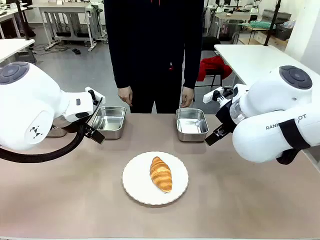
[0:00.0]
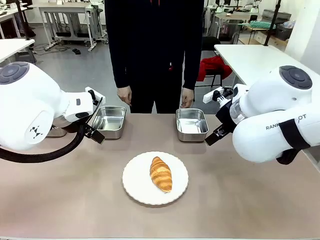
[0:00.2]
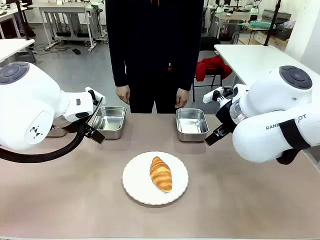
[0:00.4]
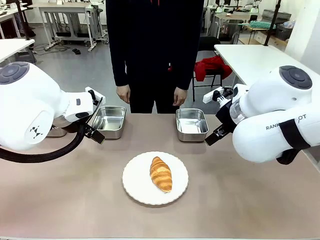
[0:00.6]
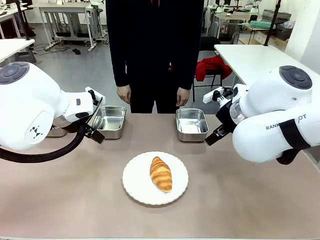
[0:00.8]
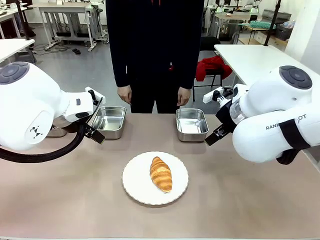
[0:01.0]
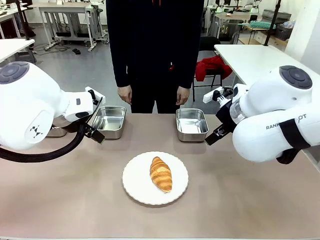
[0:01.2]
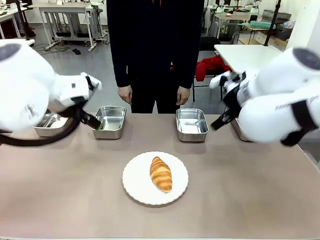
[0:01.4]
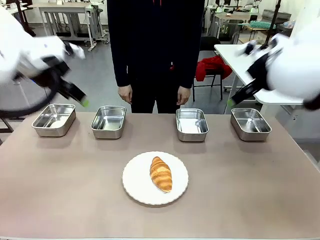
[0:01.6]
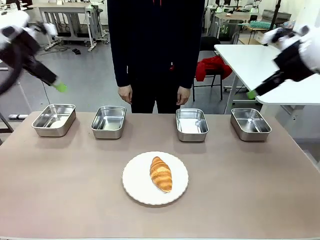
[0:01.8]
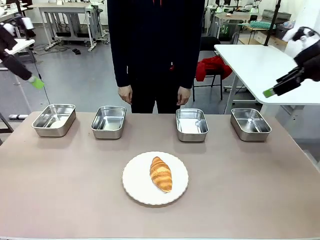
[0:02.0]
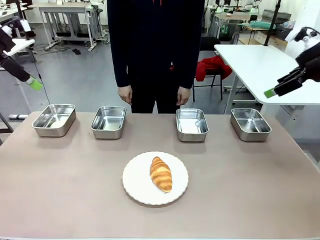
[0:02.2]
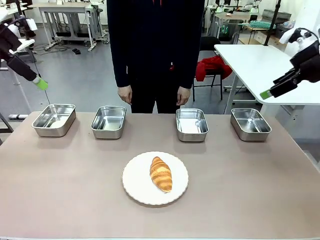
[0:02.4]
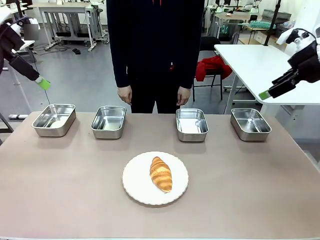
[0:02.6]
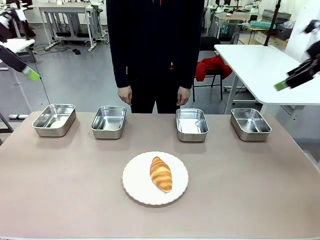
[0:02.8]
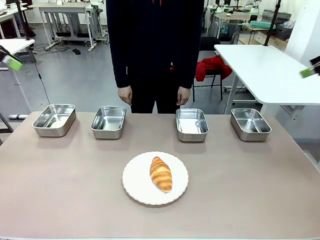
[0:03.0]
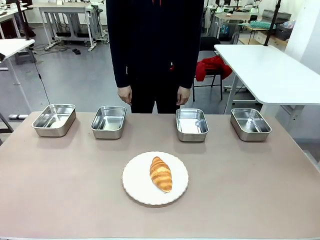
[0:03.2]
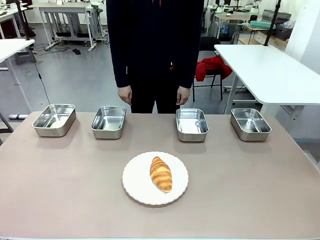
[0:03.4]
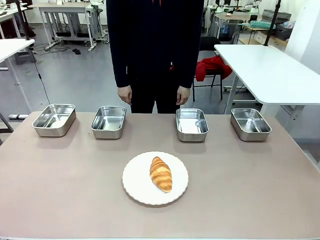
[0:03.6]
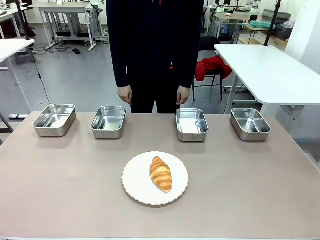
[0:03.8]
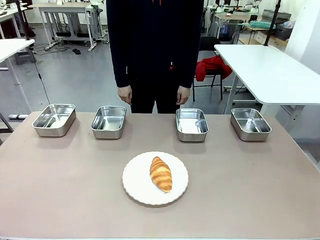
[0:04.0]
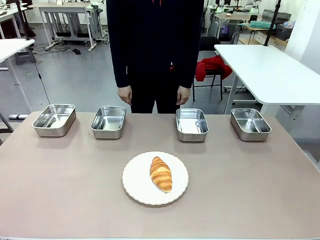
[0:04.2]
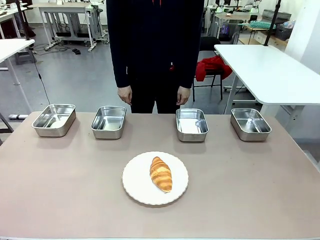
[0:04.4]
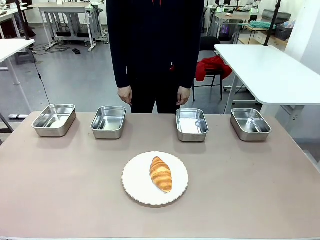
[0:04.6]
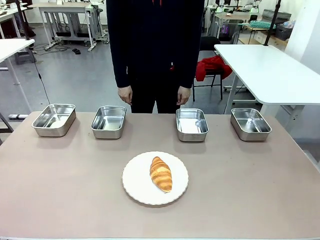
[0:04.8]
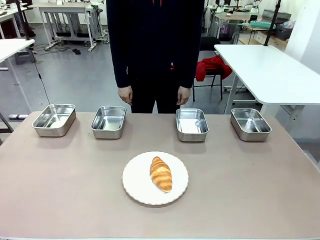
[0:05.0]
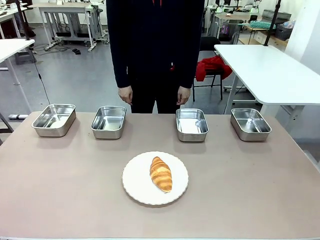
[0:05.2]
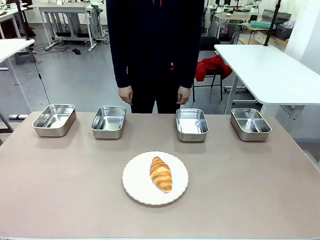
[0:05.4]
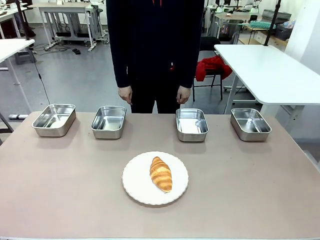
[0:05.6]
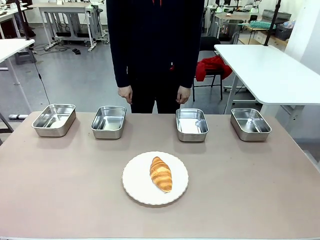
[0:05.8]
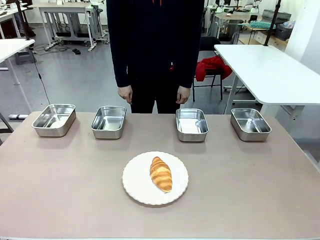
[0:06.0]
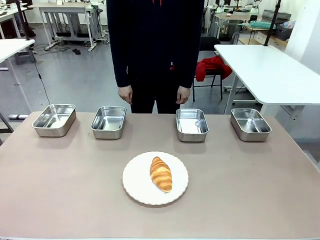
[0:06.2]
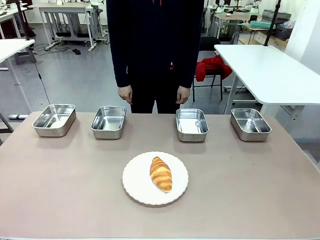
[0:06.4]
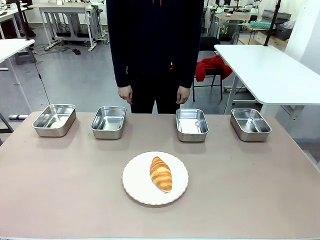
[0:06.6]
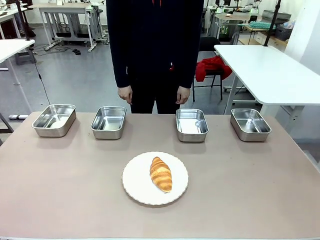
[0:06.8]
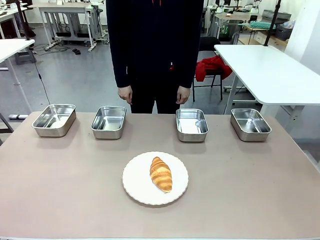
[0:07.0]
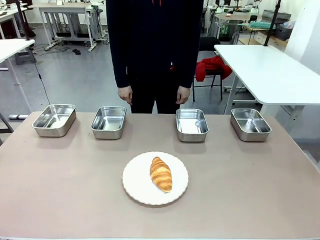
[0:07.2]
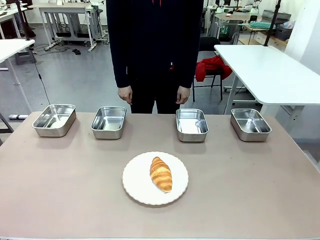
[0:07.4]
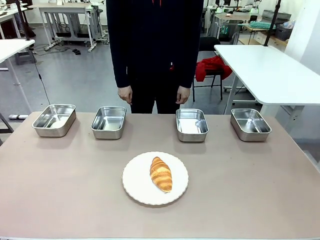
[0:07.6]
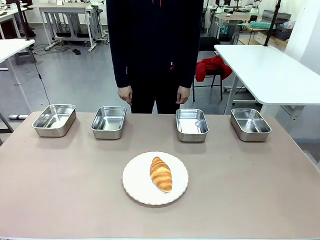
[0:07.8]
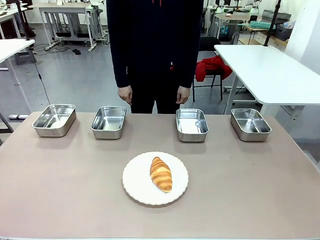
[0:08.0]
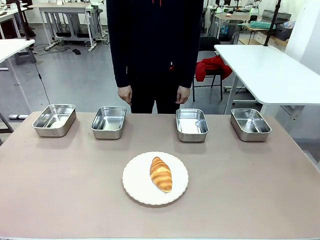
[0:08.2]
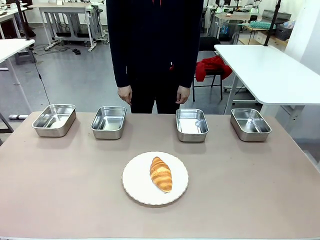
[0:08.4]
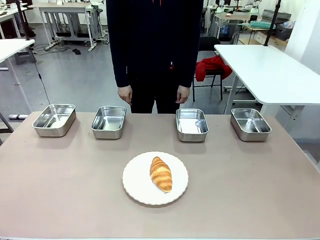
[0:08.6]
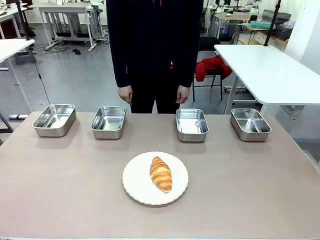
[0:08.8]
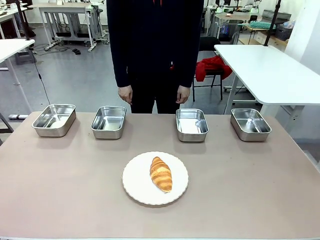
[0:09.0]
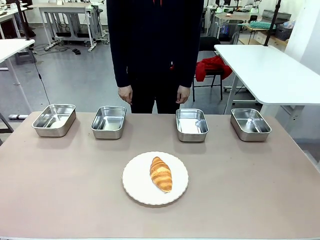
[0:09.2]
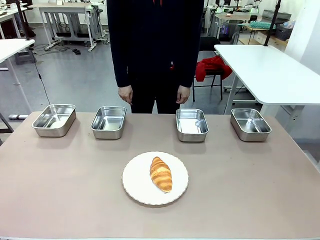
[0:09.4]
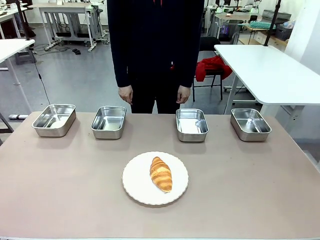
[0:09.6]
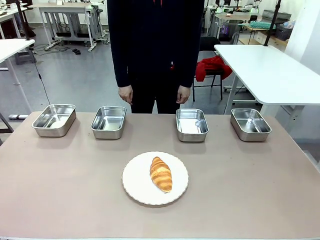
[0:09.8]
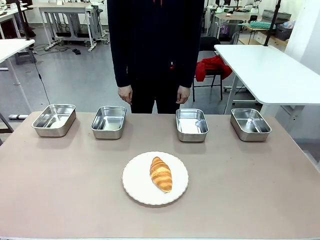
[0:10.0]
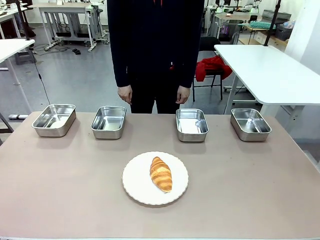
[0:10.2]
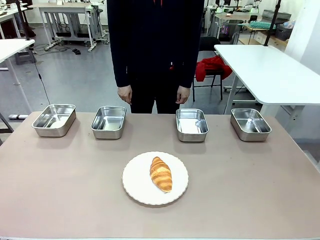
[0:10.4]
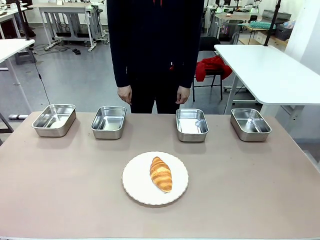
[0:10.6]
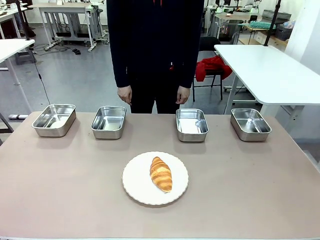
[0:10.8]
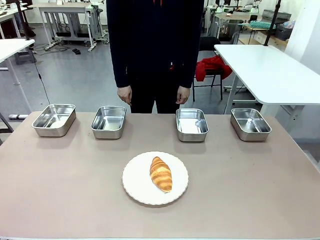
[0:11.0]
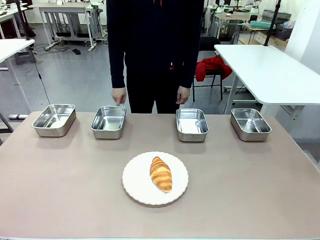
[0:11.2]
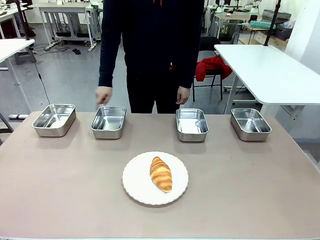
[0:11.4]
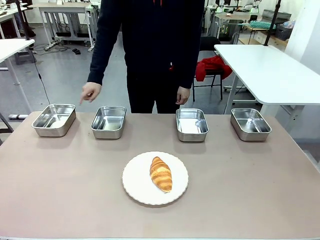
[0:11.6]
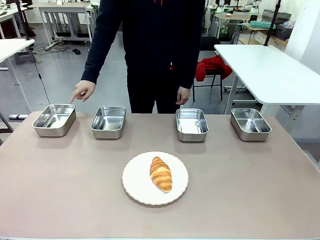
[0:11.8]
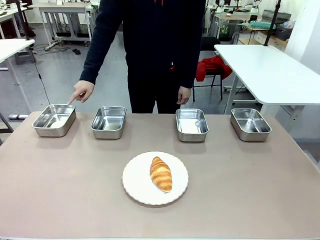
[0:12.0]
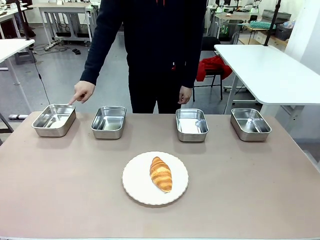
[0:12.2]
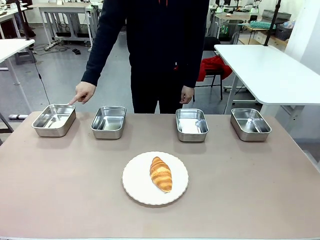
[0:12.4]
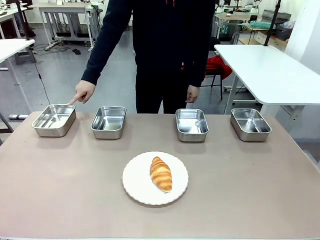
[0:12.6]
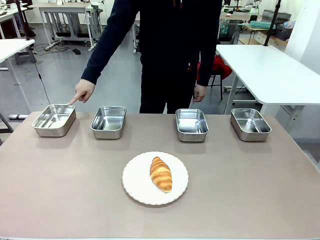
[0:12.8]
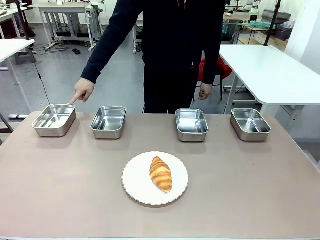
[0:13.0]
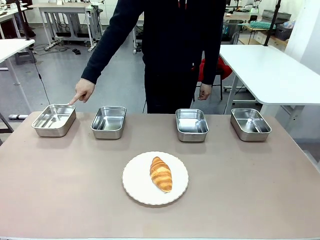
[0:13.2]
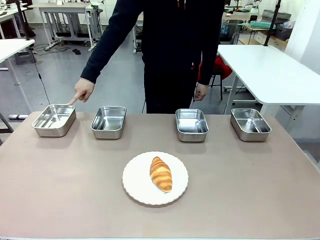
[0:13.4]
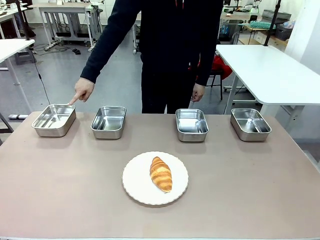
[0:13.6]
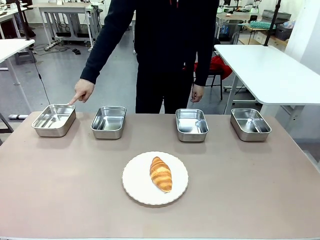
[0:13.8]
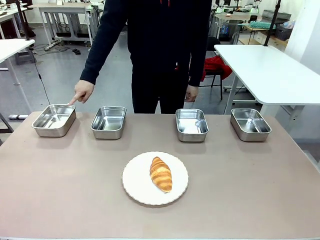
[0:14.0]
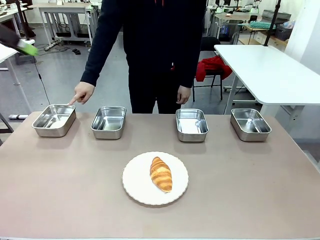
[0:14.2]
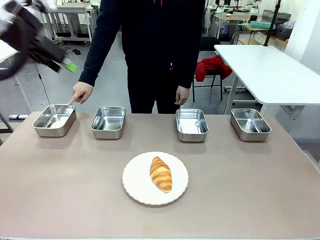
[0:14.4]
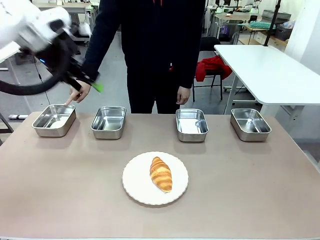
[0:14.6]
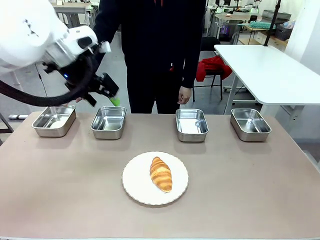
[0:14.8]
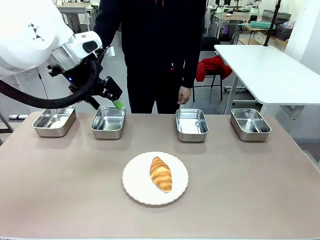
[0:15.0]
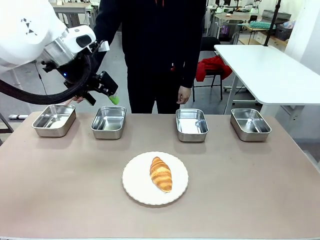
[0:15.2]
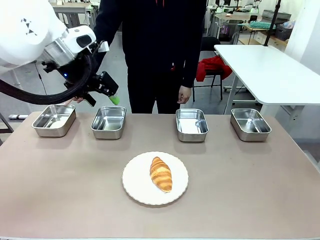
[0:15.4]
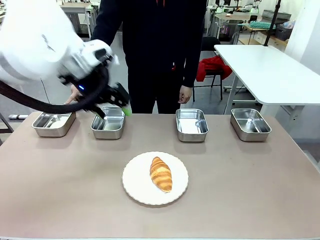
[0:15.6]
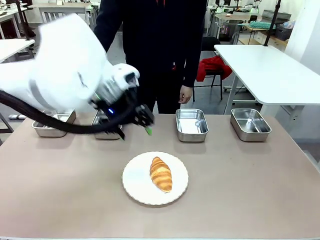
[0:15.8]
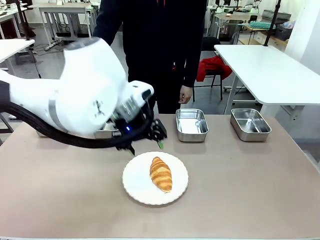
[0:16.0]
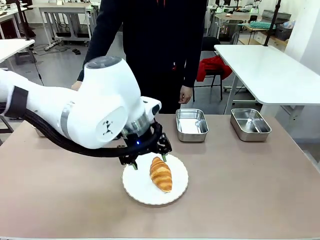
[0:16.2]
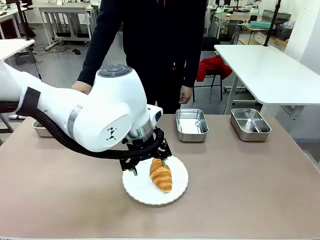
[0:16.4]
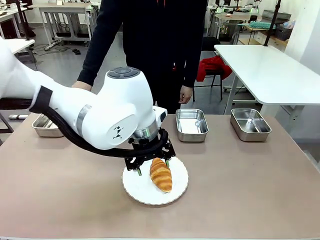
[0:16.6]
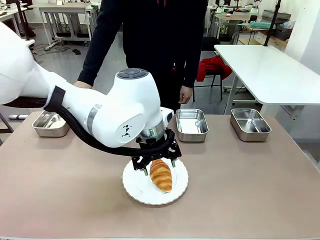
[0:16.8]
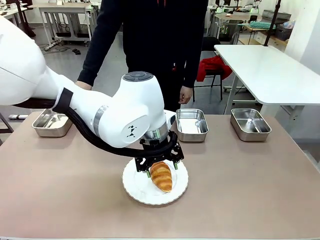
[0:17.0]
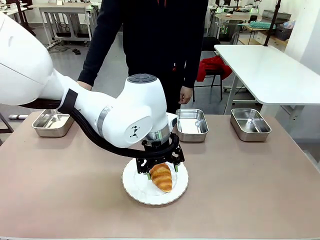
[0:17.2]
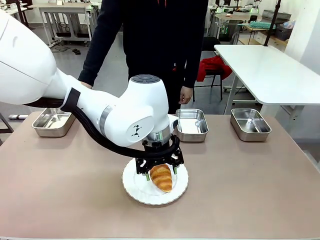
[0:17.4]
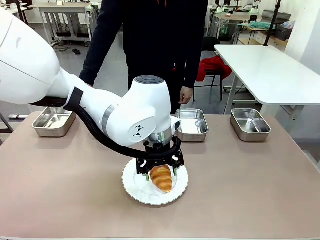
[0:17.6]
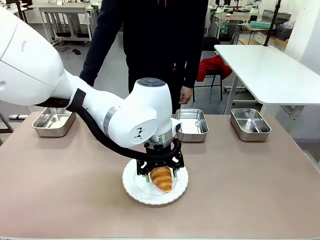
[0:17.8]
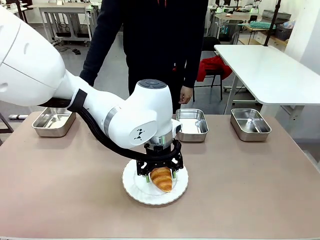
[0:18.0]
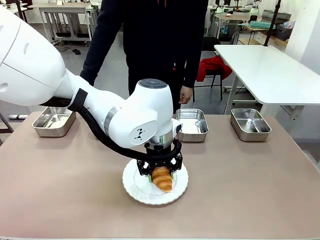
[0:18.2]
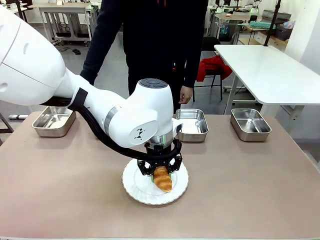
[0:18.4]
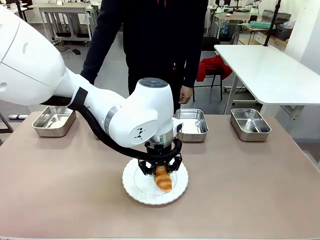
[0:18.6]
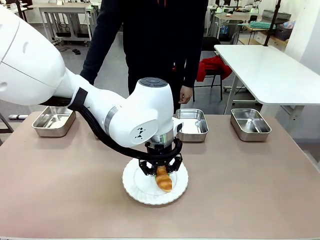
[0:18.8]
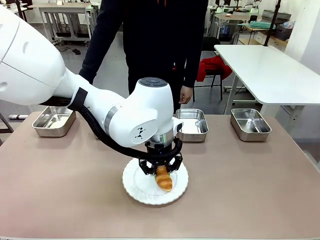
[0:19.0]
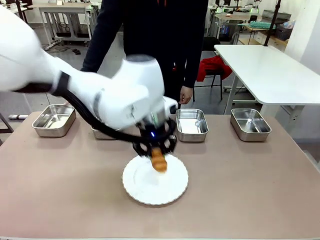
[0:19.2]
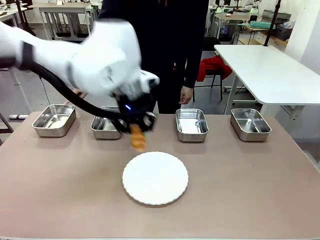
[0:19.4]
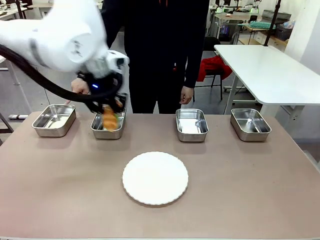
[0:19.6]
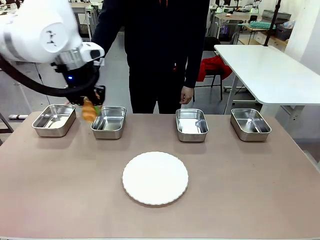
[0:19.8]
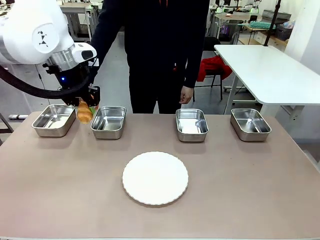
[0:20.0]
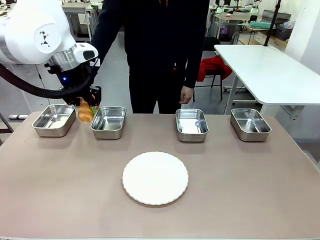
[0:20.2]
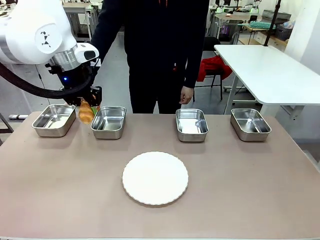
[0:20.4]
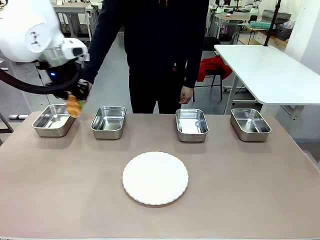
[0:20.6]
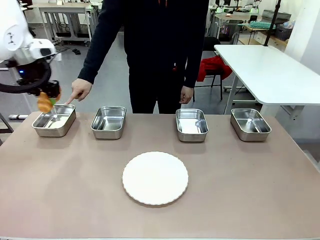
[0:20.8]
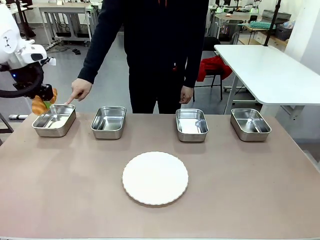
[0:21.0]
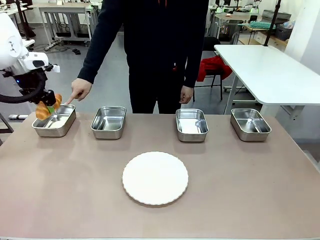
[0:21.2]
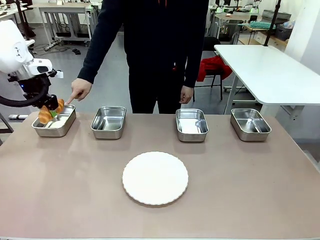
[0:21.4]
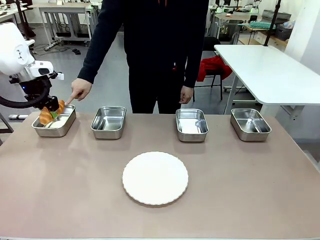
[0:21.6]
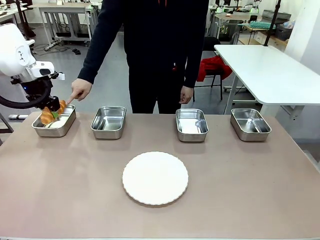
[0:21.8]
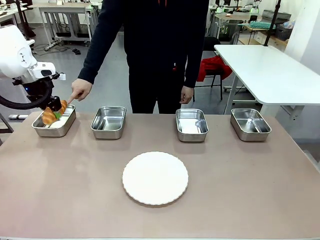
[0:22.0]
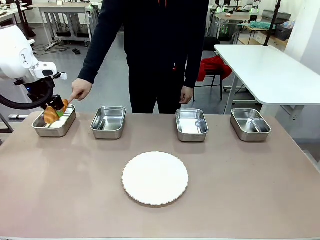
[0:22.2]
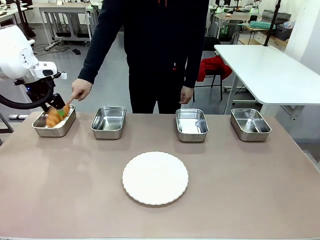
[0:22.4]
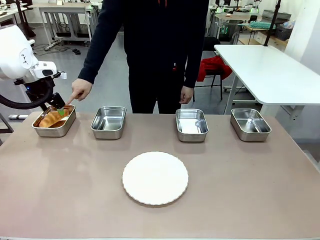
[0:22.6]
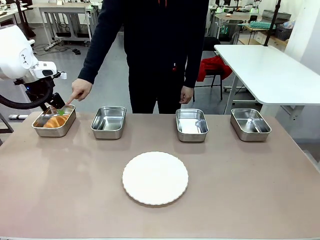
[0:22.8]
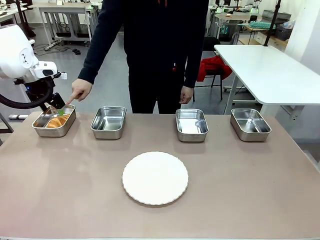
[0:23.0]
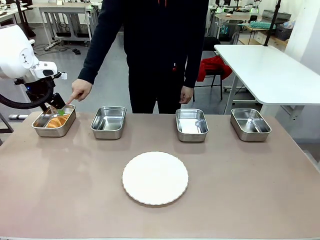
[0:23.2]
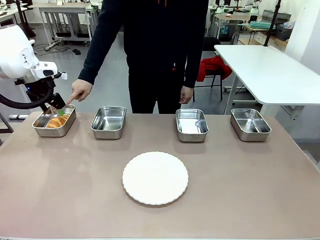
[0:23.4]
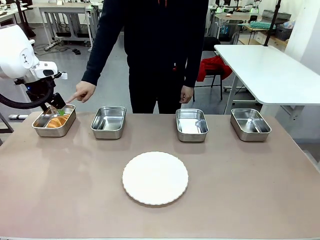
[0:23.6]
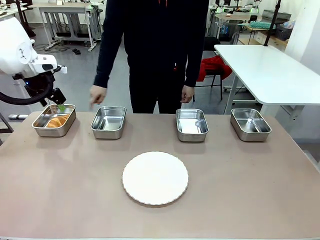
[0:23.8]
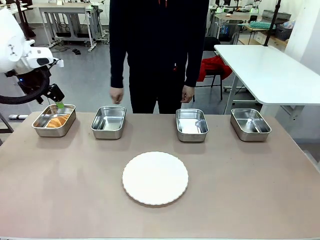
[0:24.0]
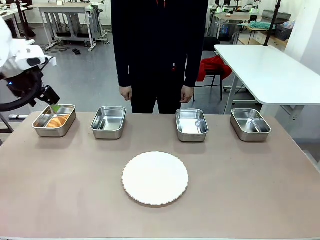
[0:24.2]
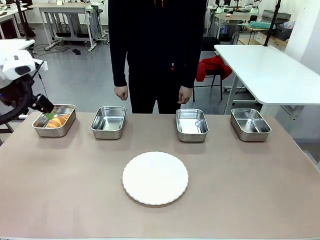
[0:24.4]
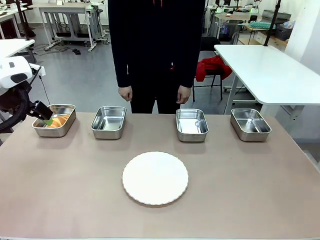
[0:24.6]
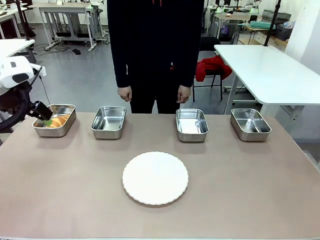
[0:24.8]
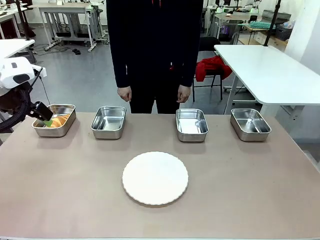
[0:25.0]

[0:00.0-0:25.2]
Task: Place the bread in the container.
Robot: Place the Butter Roll into the Airtight Container indicated by the human.
Person: A person randomly selects and points to an Airtight Container.
